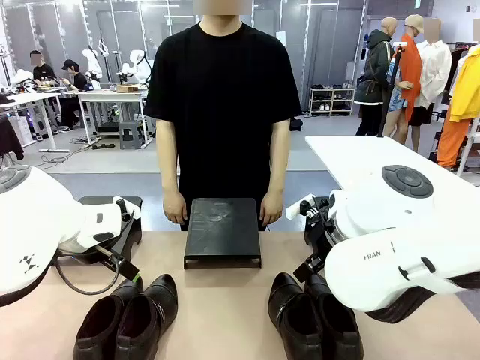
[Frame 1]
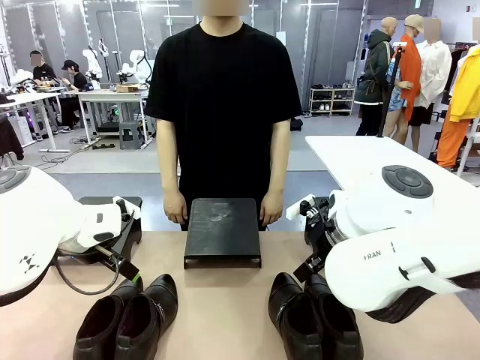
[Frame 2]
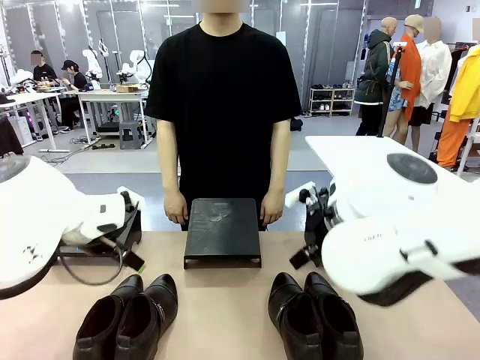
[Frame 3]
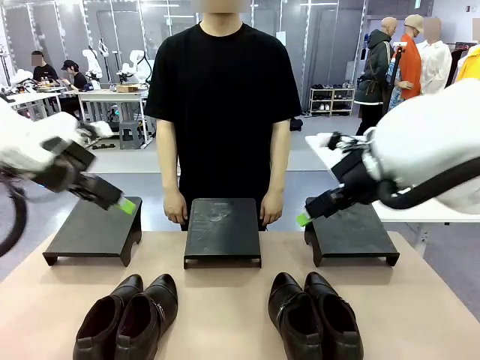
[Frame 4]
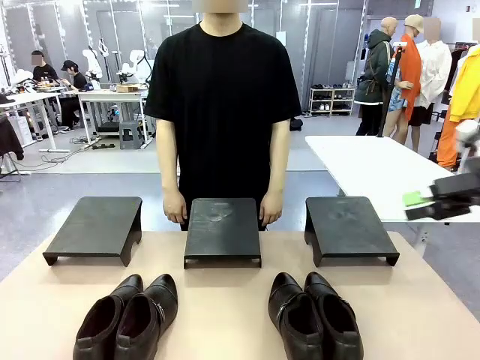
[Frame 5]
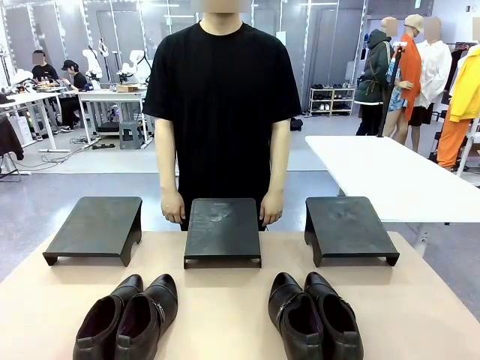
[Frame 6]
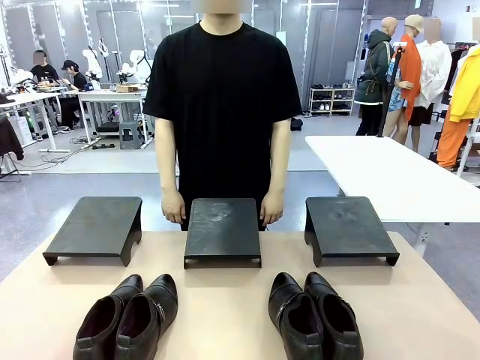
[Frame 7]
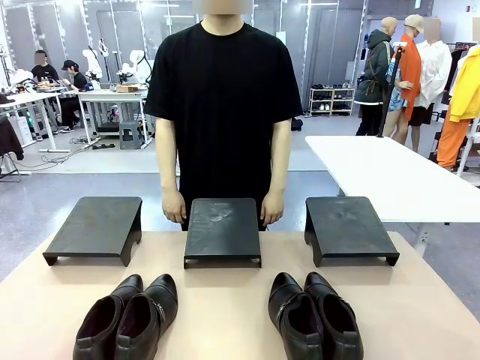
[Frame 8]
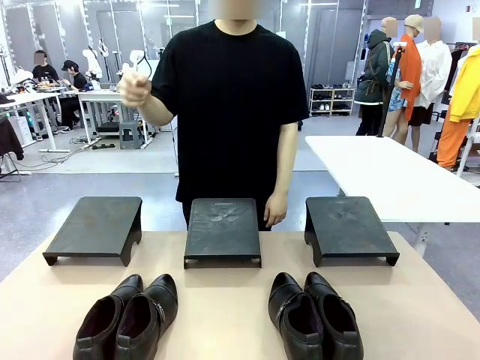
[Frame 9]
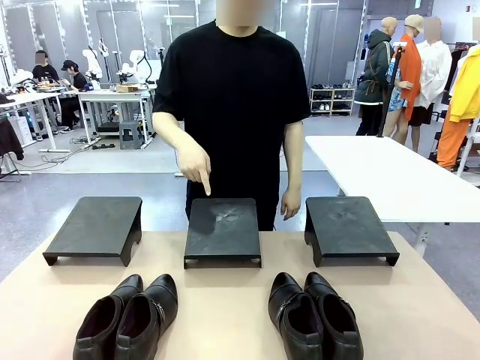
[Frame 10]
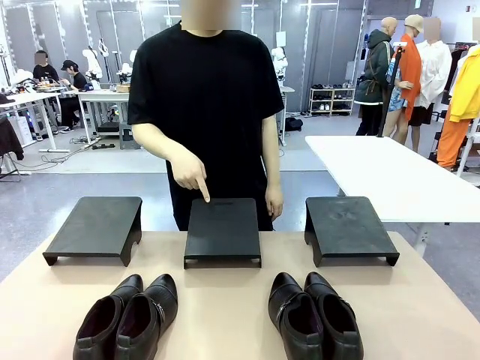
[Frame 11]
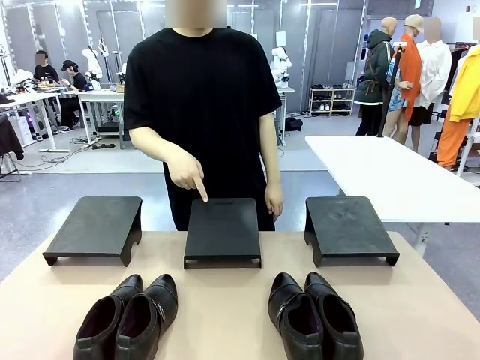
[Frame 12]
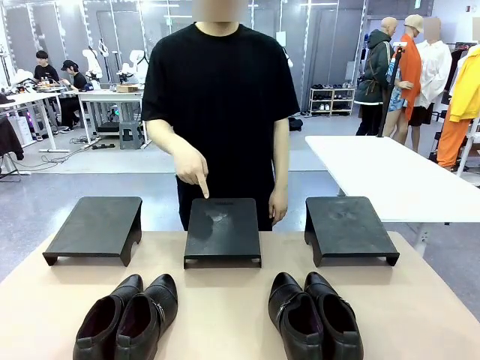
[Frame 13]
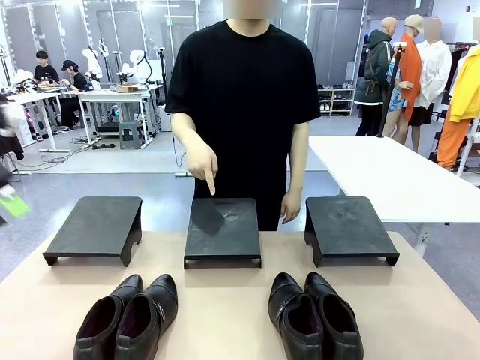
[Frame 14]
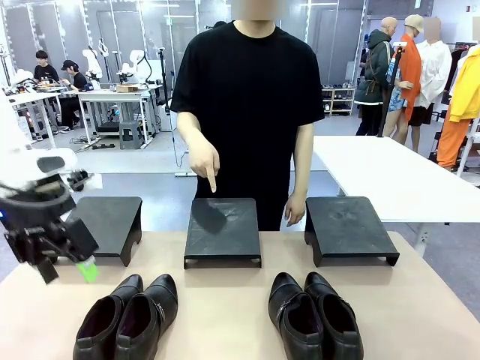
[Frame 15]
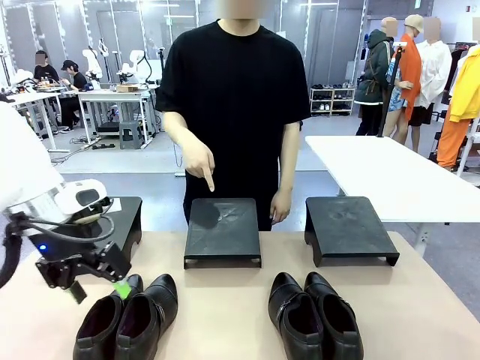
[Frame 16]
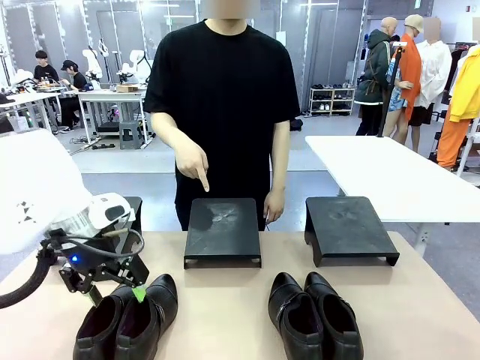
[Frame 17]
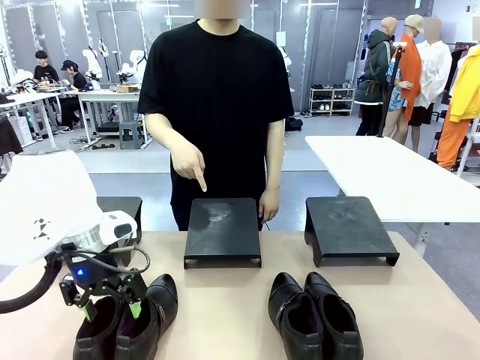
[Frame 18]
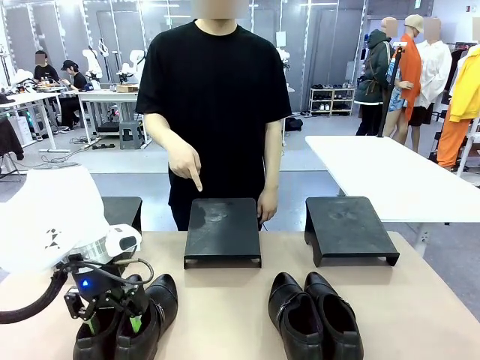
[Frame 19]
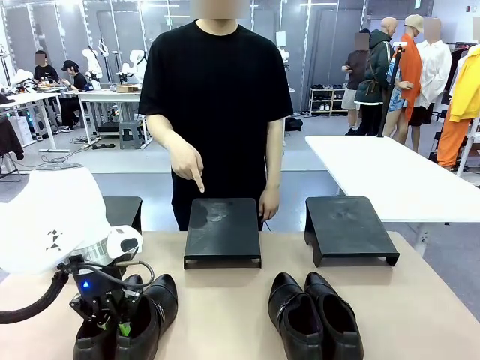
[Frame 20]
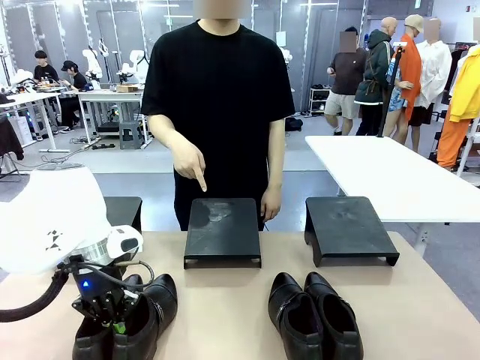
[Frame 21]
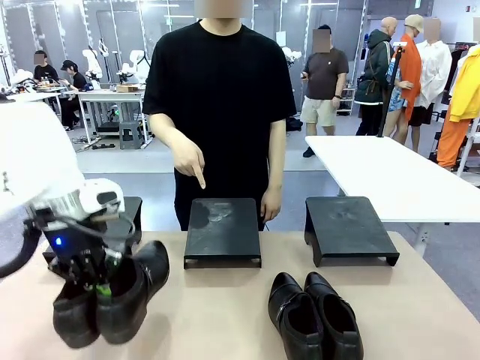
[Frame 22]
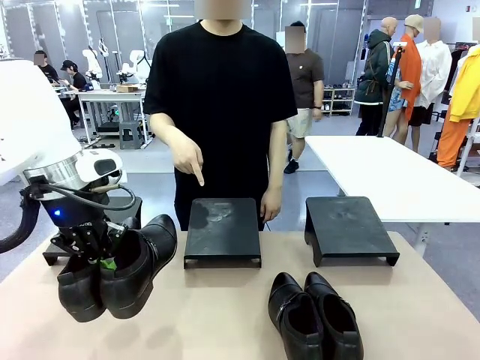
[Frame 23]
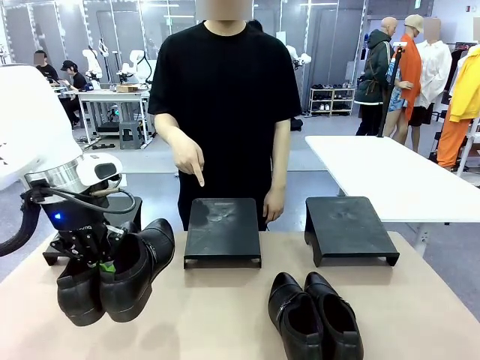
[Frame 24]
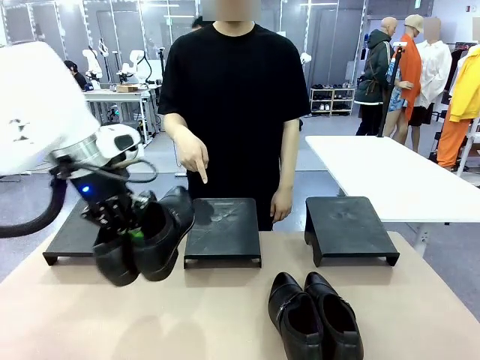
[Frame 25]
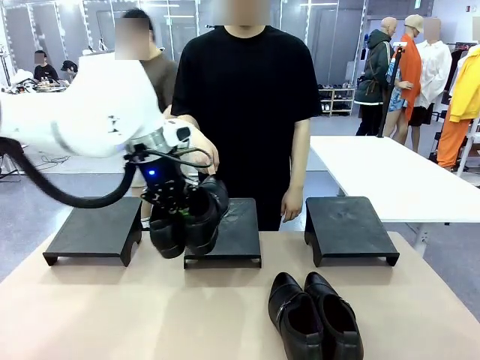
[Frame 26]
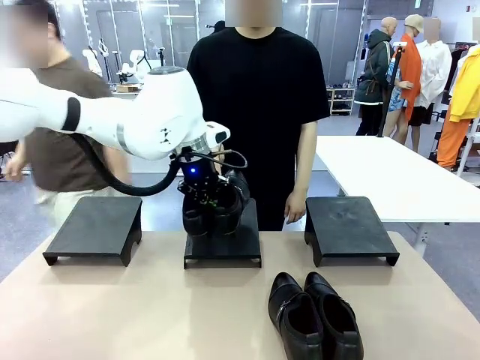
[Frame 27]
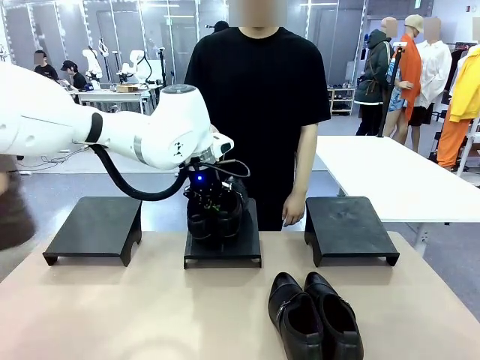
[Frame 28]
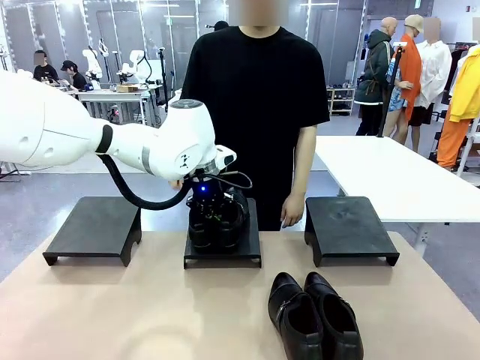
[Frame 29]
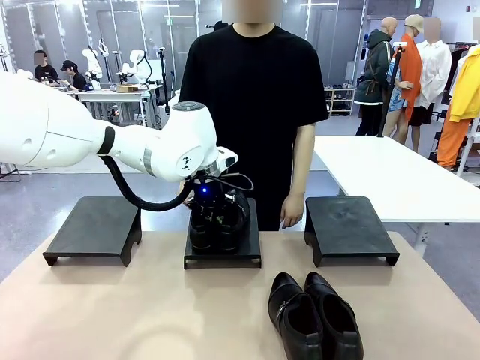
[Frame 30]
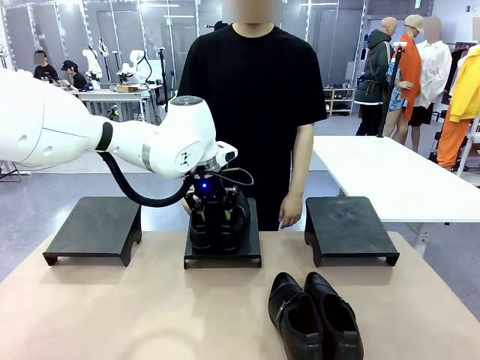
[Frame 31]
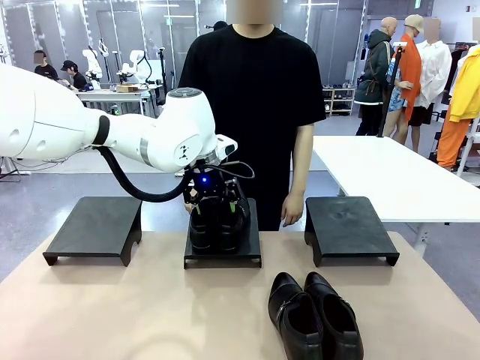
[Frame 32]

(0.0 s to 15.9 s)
Task: Place the shoes on the stand as instructed by the person.
Robot: Pick up one pair of Shoes and place it on the Shoes Stand indicated by the person.
